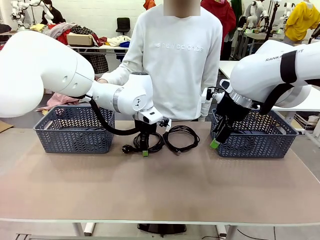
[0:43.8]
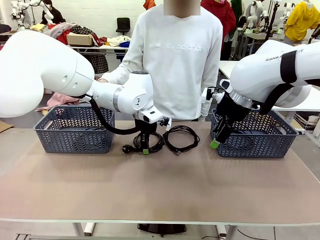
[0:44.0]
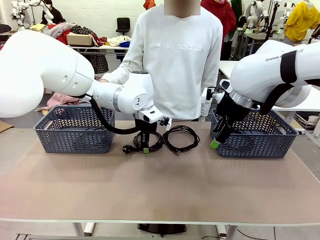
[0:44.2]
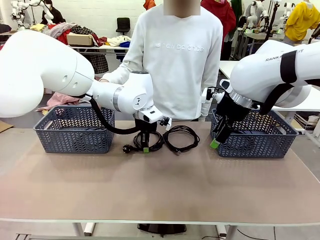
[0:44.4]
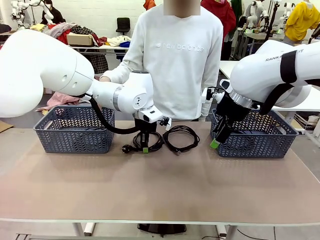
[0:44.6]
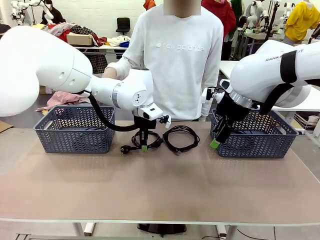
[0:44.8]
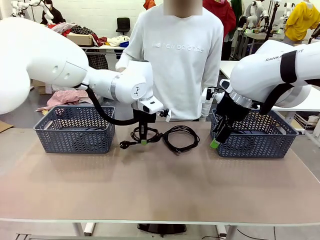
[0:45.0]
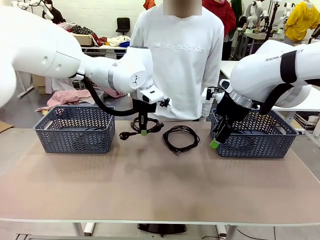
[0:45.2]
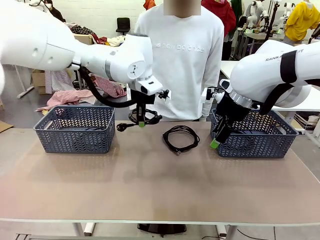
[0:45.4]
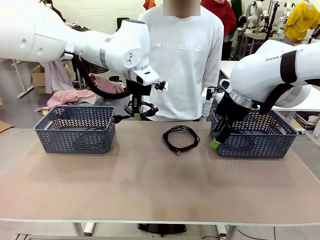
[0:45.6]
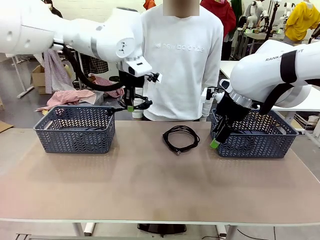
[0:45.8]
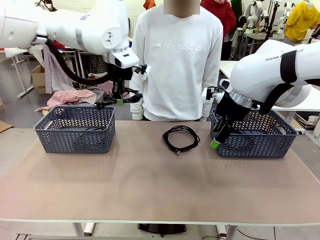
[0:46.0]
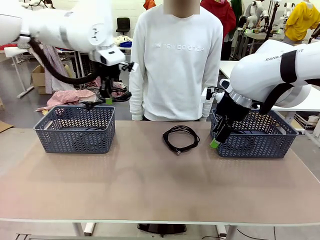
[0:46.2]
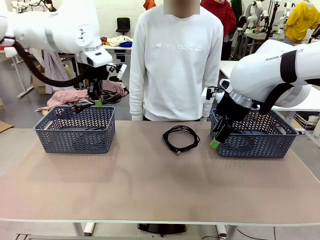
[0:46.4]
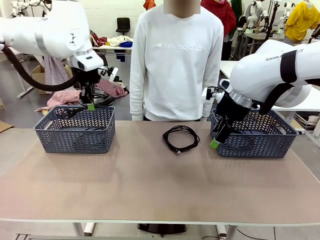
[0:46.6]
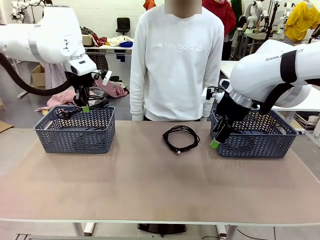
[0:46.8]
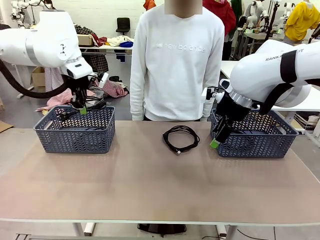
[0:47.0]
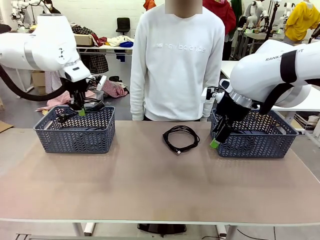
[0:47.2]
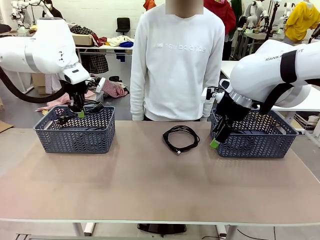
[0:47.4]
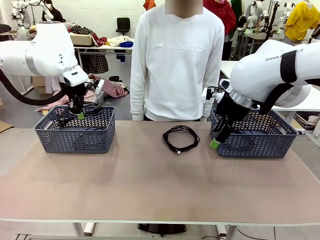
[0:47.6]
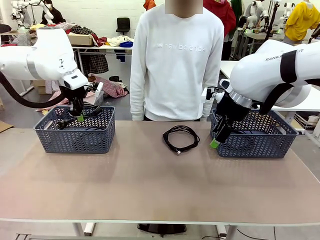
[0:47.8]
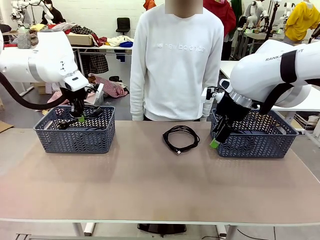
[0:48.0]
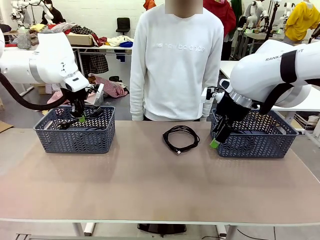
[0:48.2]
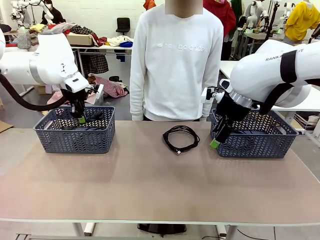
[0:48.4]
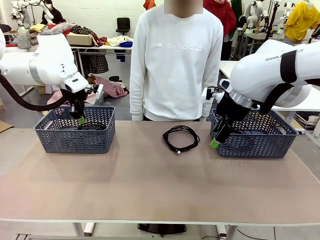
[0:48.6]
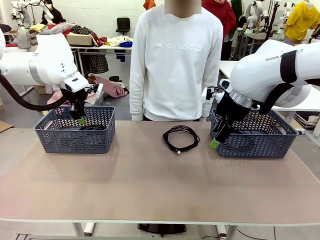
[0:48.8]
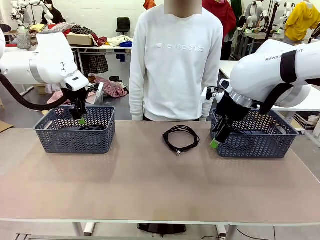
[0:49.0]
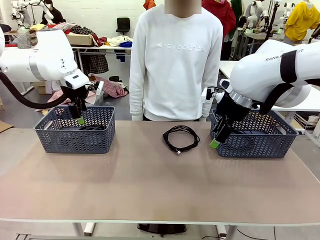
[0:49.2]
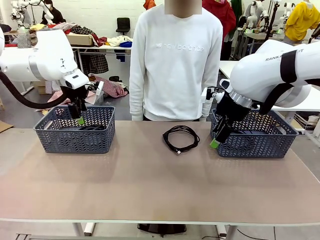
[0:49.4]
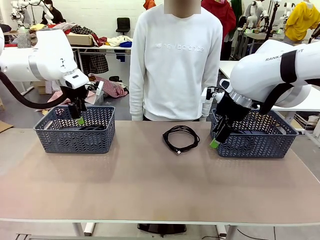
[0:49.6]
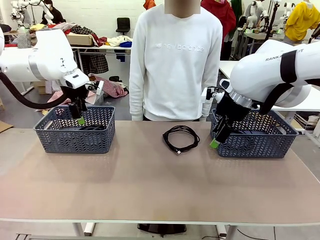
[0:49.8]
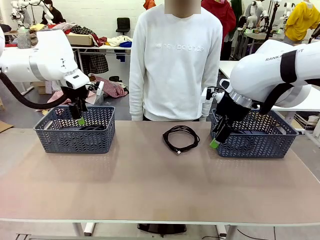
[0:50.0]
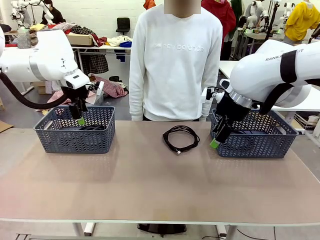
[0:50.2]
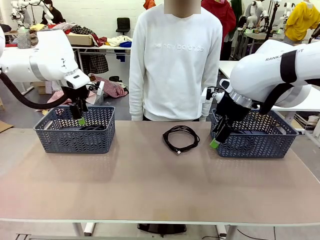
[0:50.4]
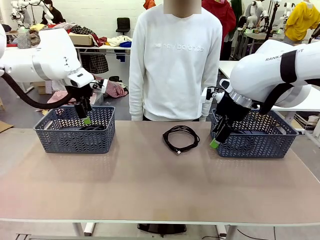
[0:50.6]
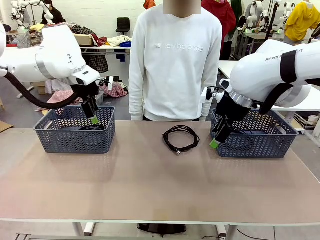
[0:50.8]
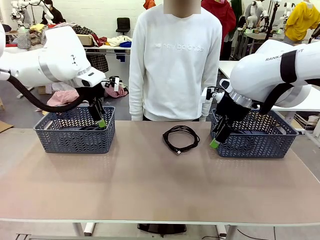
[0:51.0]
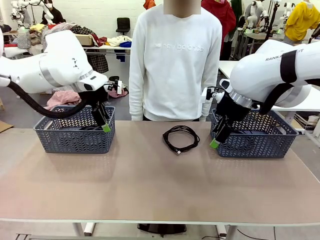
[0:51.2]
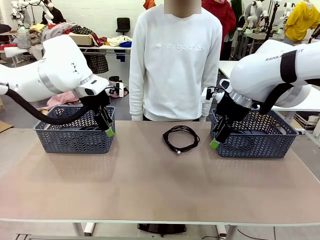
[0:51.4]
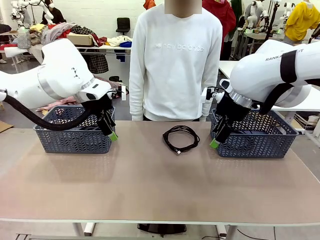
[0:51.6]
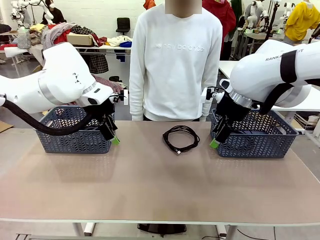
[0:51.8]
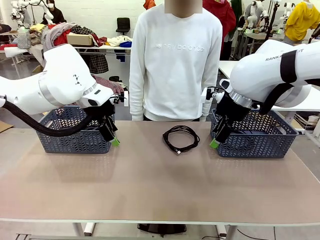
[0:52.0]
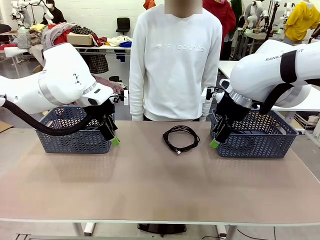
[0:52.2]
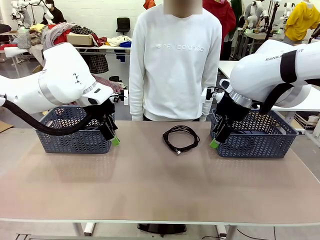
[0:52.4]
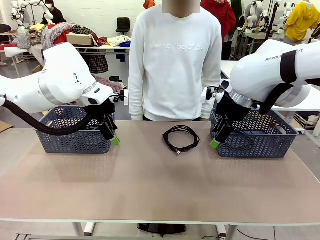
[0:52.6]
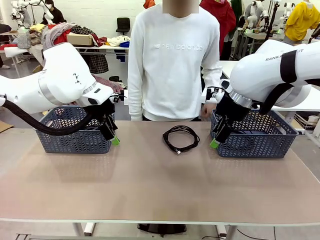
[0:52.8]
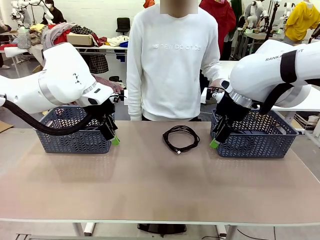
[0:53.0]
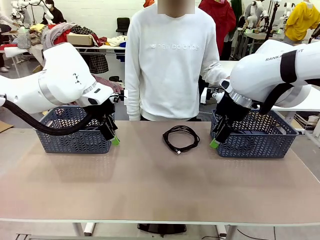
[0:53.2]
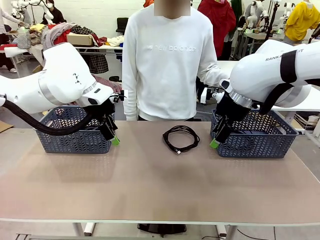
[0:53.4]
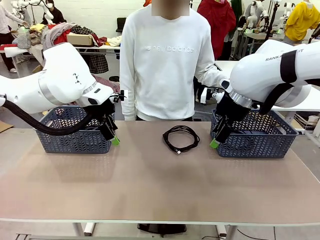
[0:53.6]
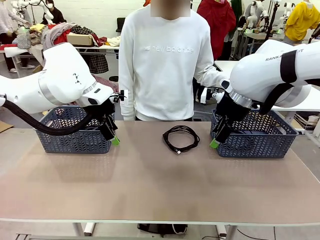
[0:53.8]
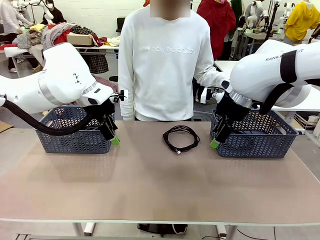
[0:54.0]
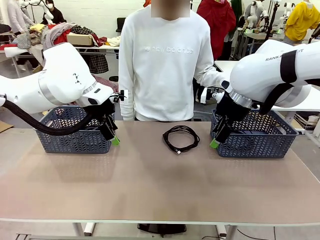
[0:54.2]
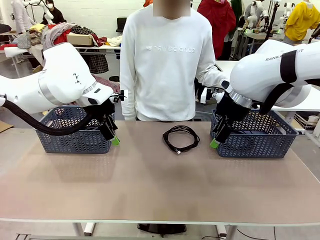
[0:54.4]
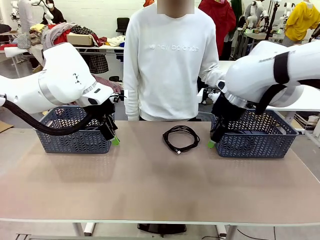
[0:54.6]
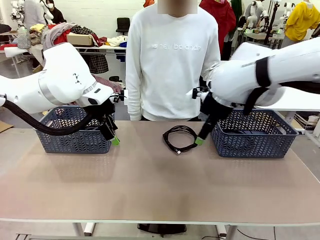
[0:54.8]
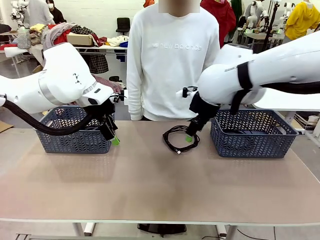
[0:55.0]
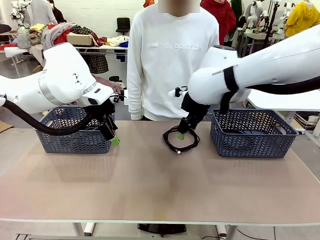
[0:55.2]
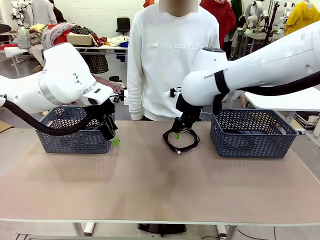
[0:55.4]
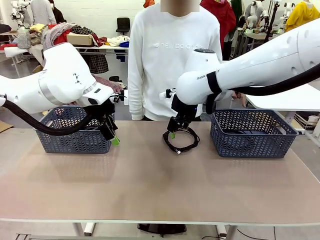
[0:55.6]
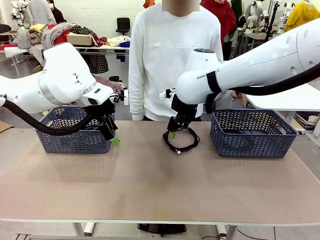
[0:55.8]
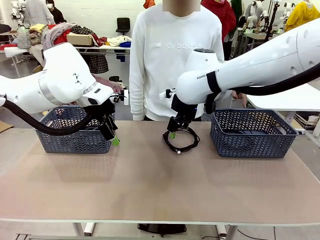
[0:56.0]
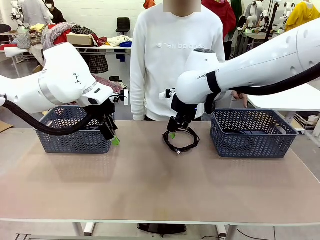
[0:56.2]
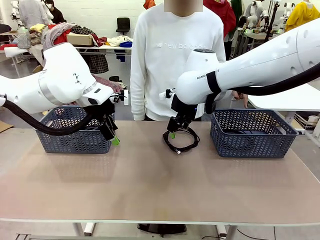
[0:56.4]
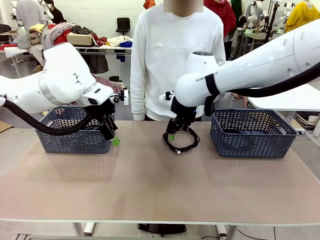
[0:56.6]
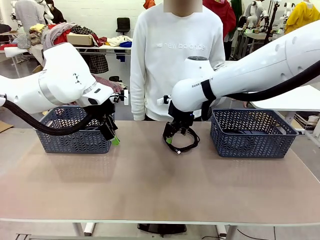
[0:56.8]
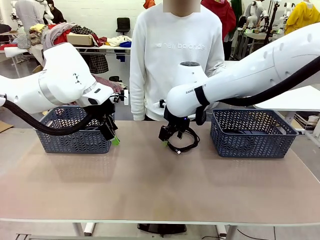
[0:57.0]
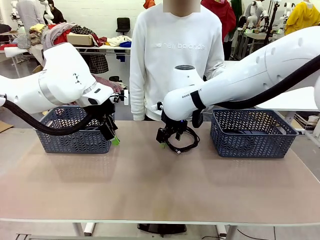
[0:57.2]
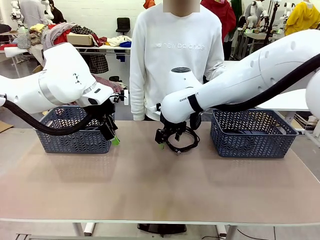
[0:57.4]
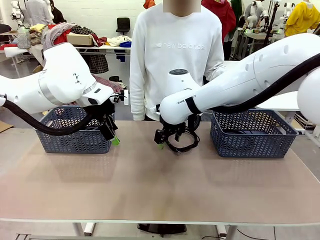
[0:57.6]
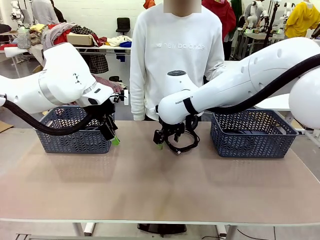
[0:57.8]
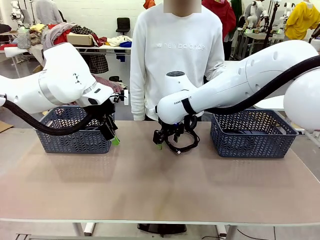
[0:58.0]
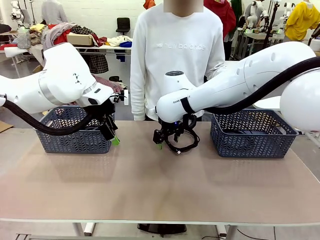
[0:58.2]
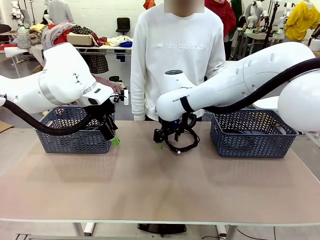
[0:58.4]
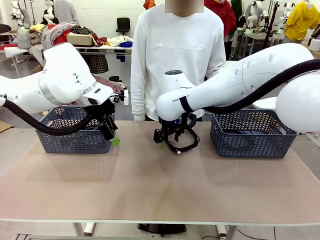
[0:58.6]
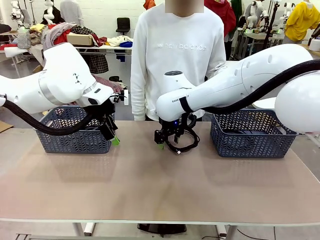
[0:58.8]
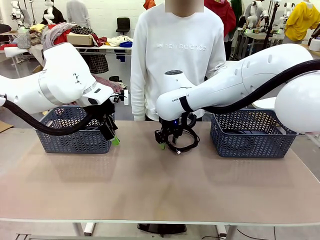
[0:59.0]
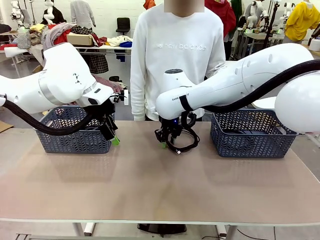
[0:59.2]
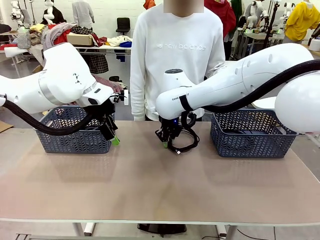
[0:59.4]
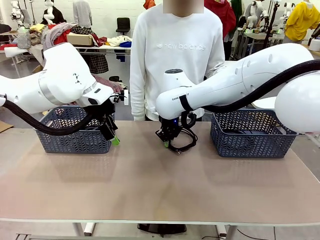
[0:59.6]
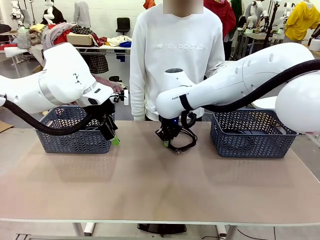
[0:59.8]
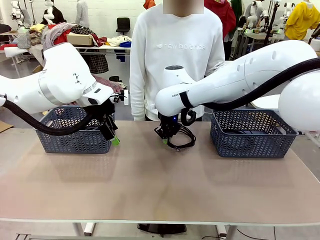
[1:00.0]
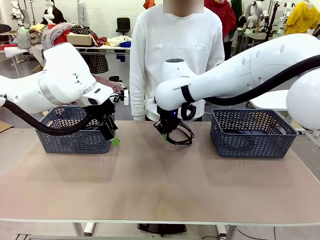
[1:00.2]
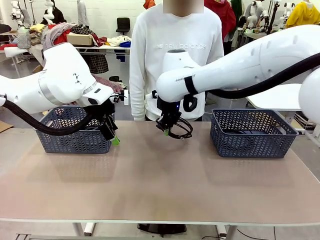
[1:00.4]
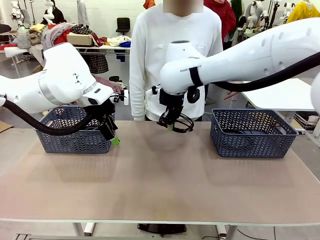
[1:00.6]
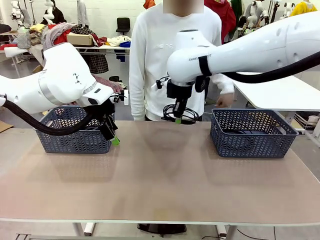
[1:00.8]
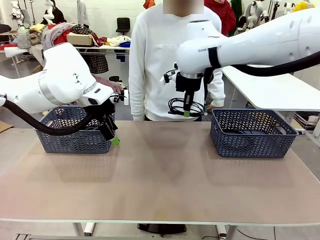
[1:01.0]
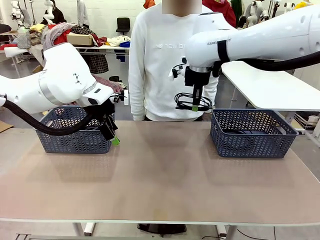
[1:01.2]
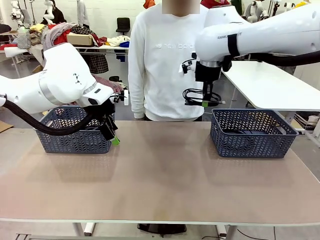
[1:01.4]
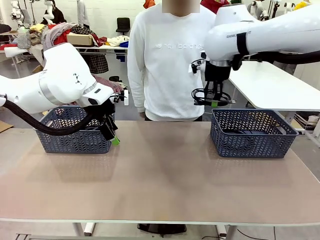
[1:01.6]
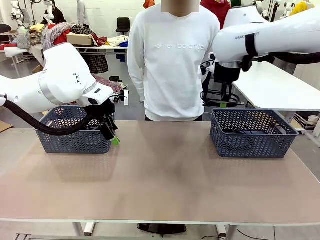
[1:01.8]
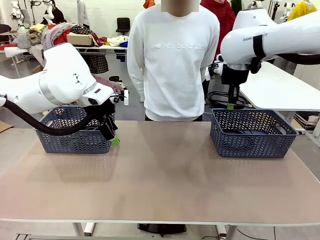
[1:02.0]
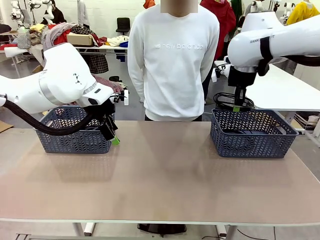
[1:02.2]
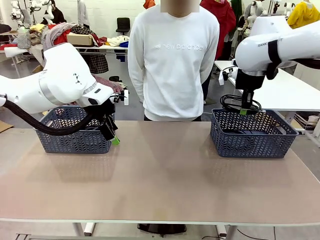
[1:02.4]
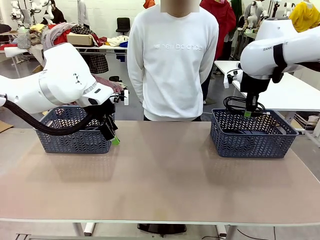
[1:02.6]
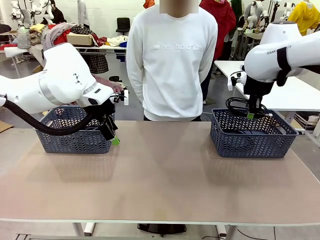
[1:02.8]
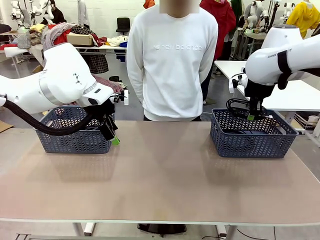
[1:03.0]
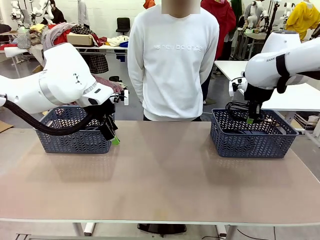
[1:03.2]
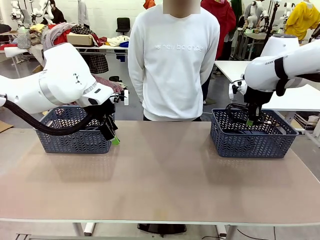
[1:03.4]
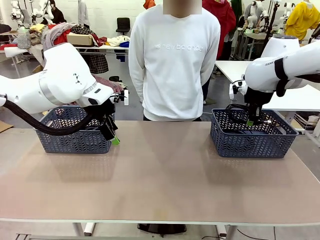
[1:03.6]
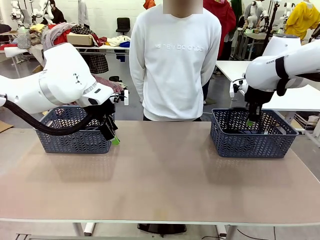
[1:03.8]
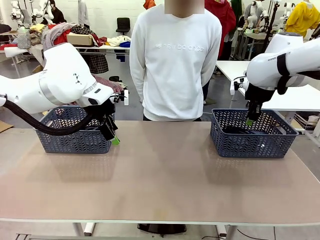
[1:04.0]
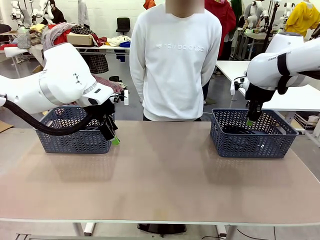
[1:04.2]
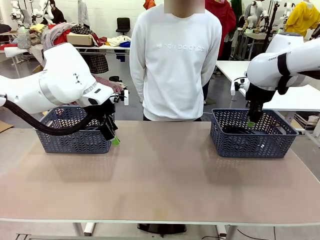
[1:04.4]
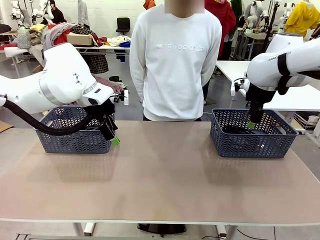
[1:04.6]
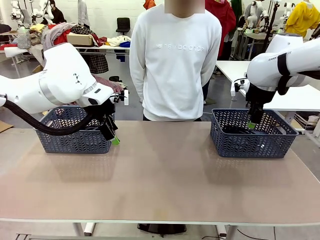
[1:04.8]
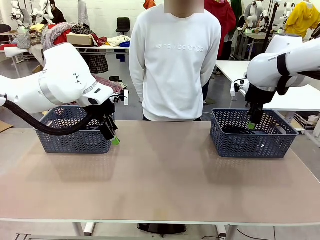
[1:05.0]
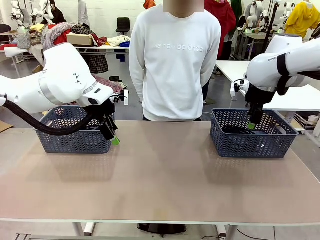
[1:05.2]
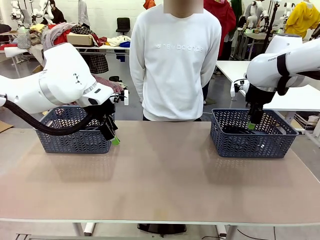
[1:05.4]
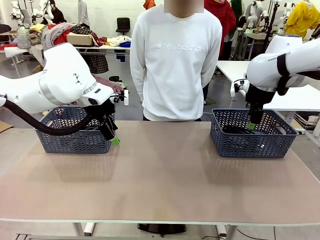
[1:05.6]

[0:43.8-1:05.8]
Task: Organize the cables according to human instructions.
Robot: Pick up a bundle of cables and place it in the basket indicated by the human.
